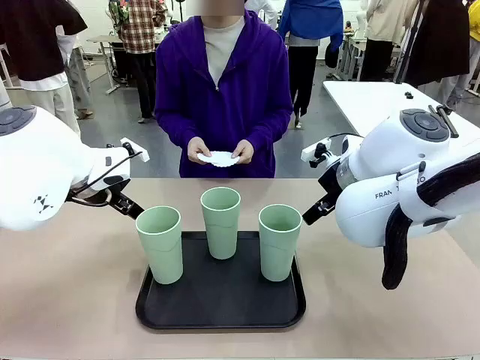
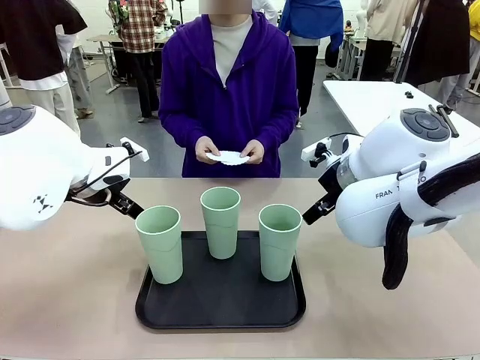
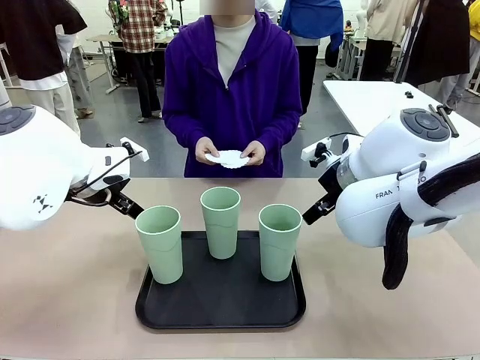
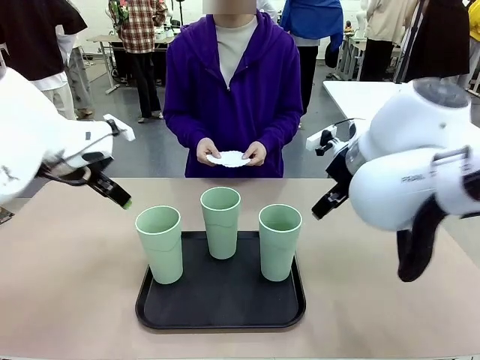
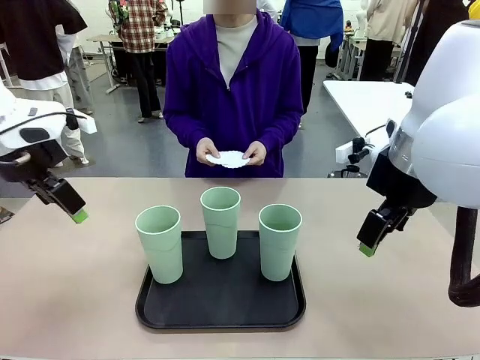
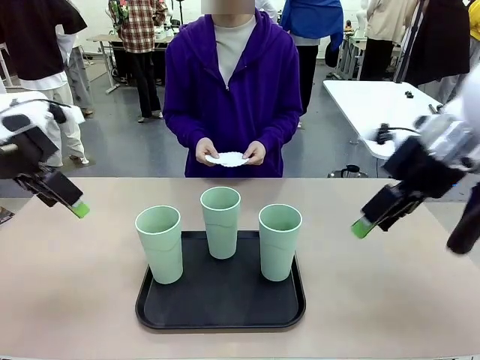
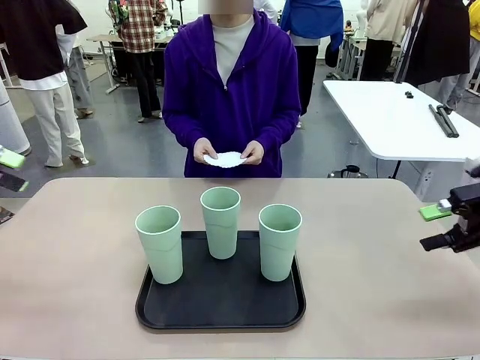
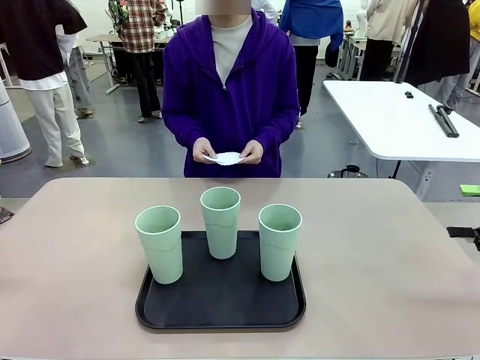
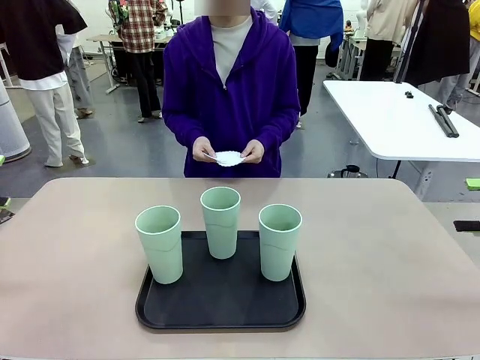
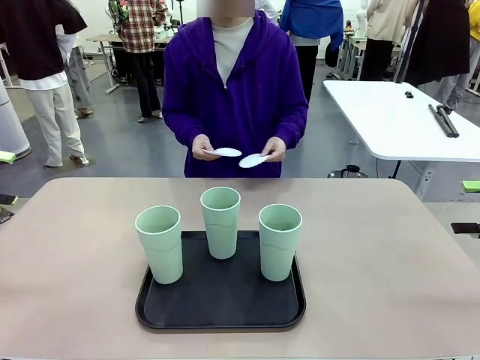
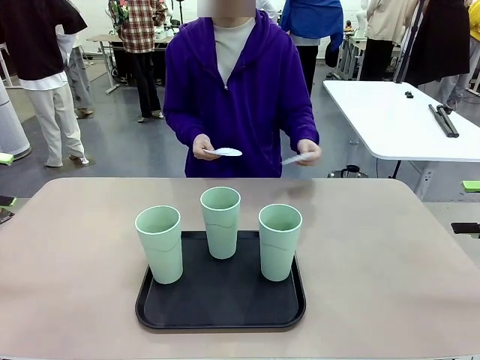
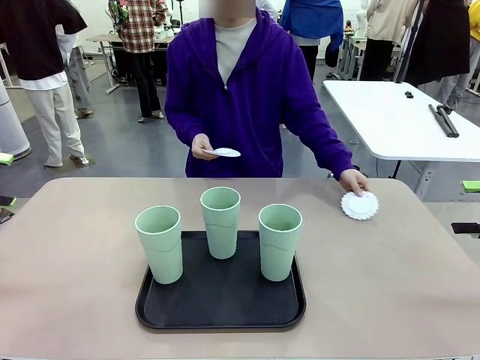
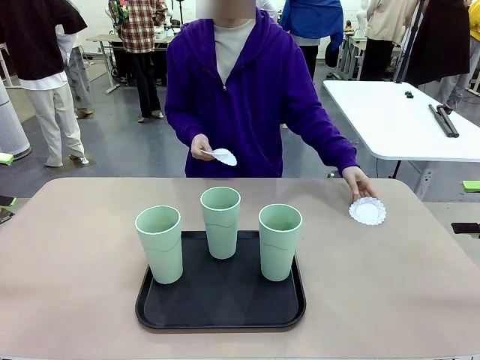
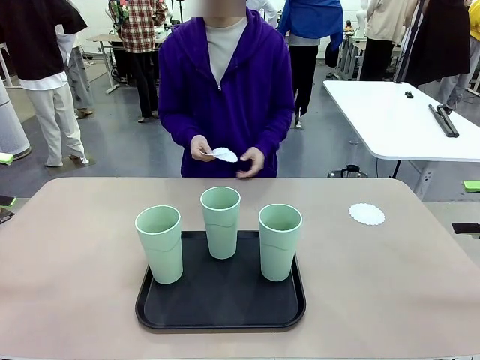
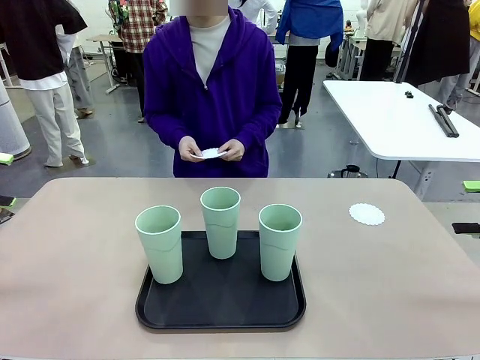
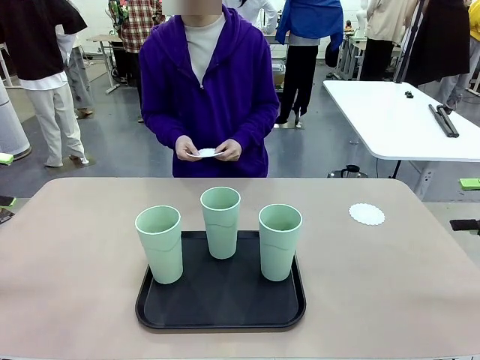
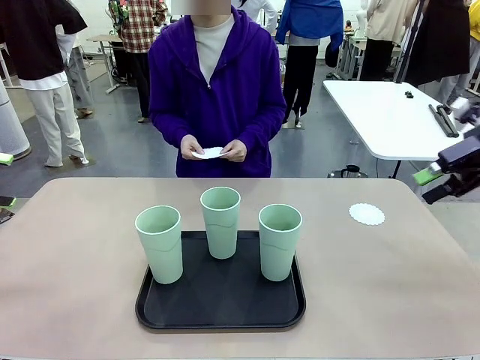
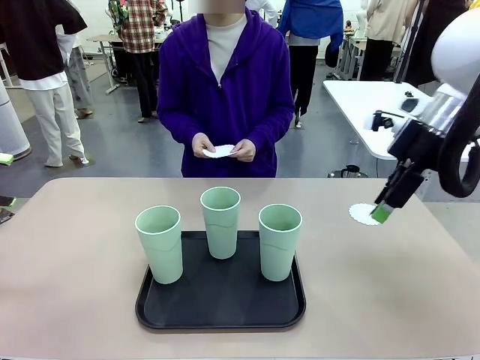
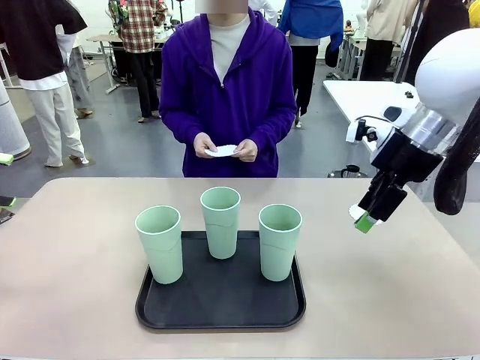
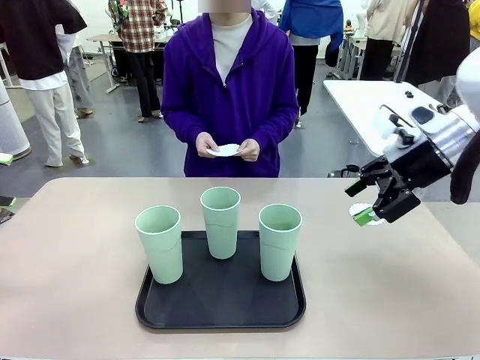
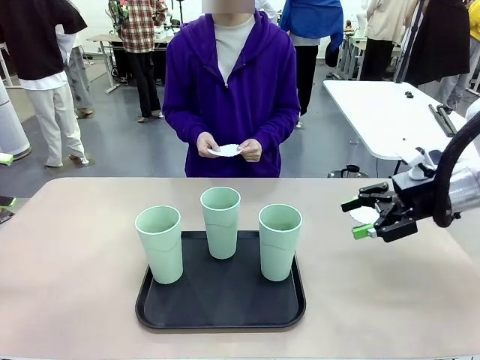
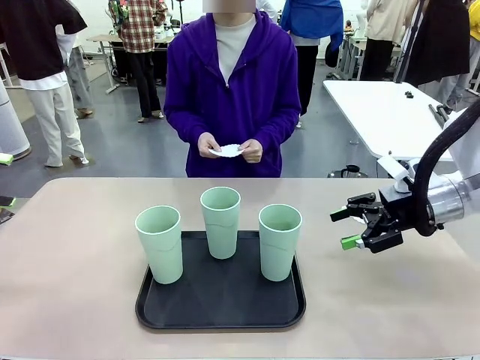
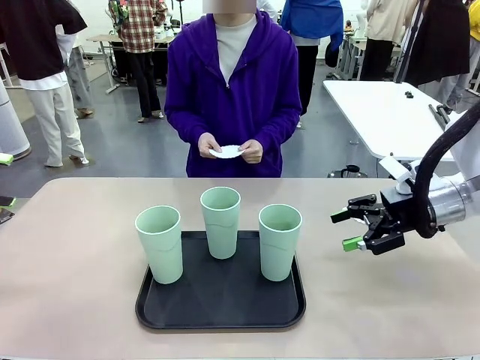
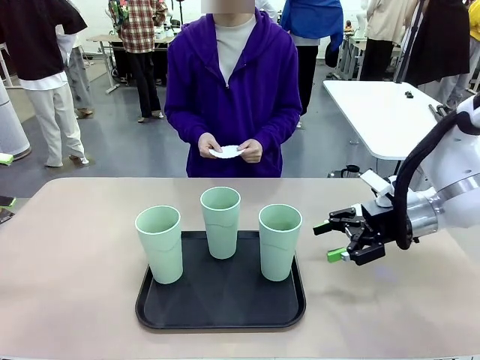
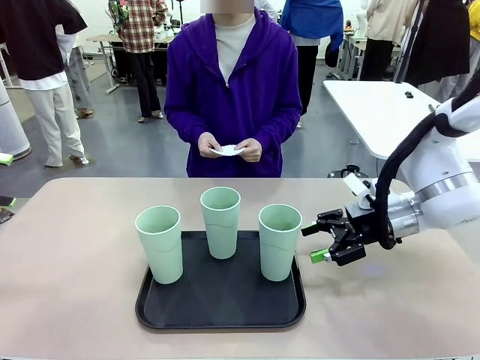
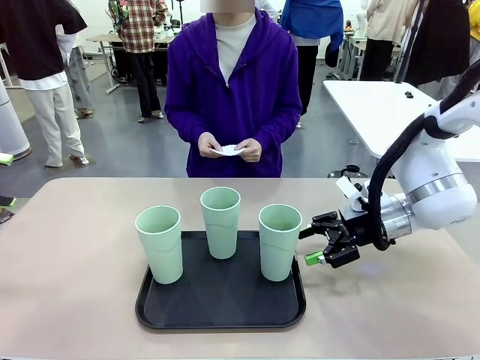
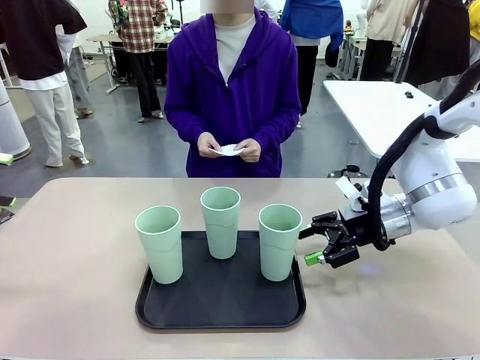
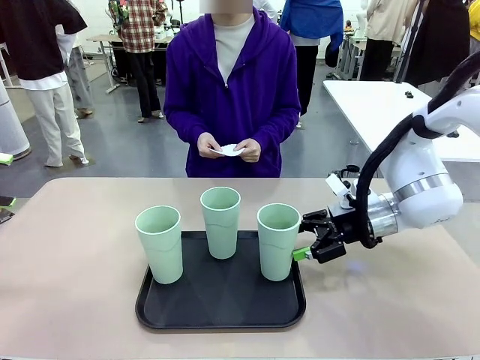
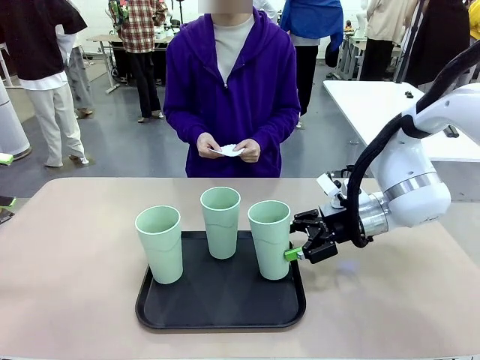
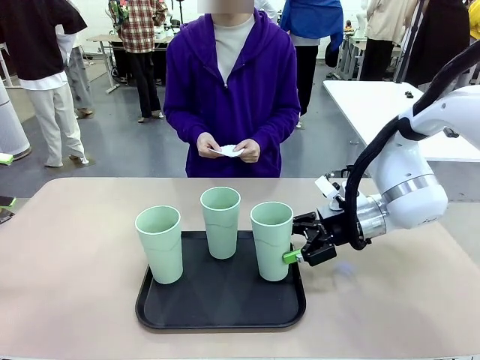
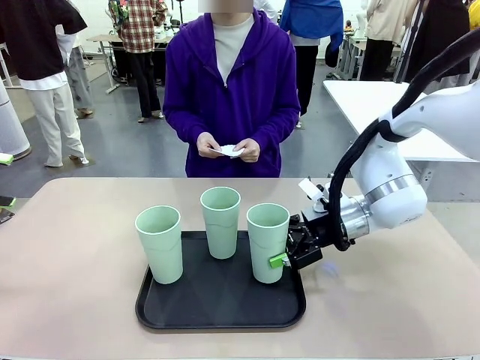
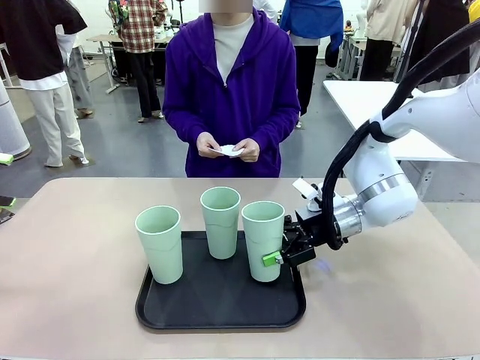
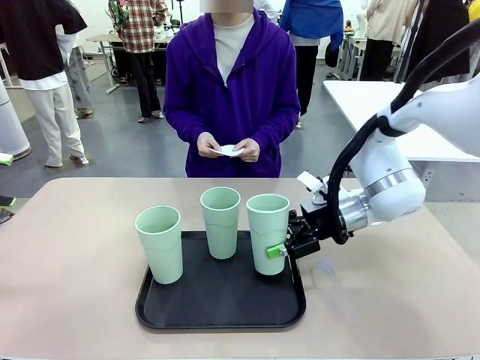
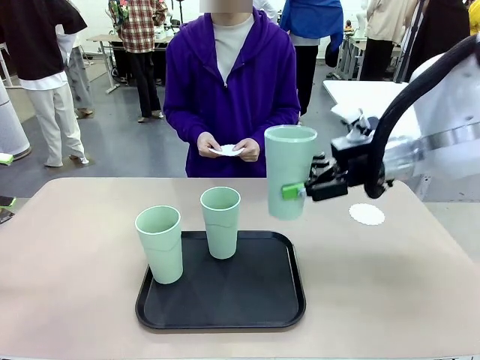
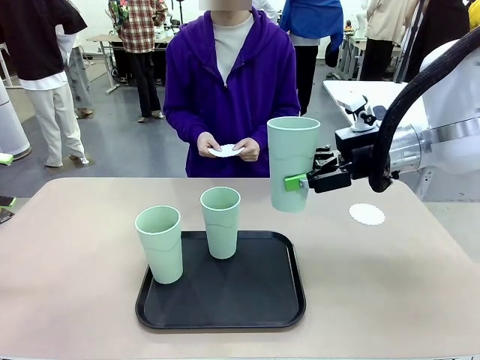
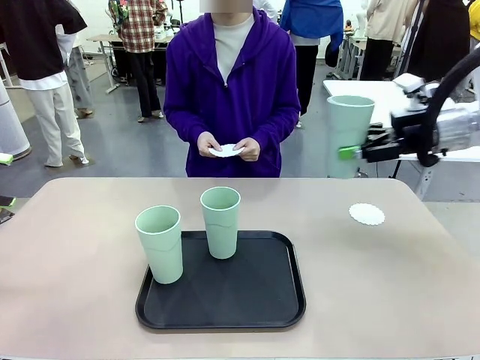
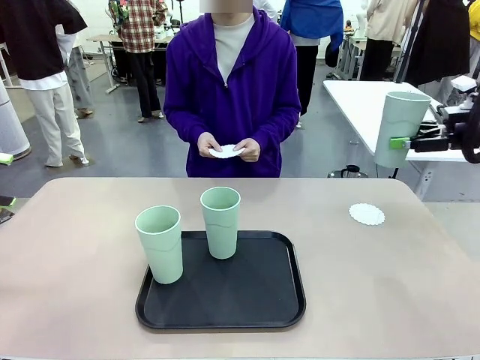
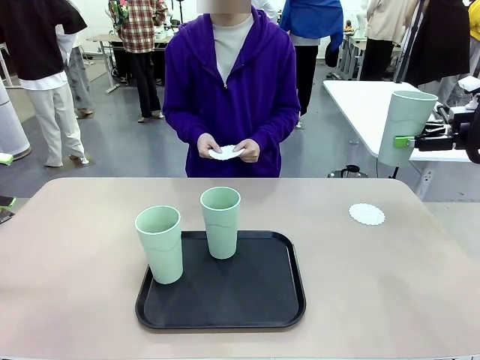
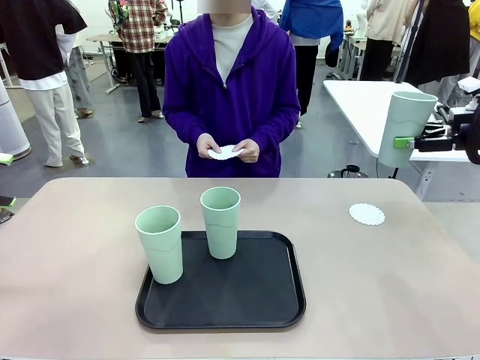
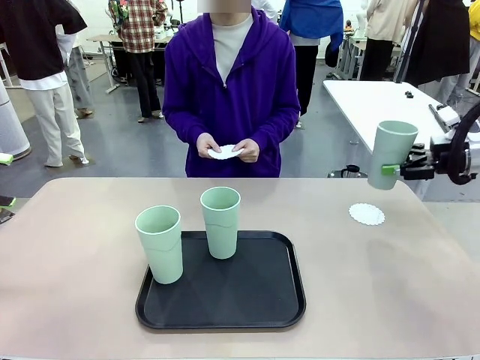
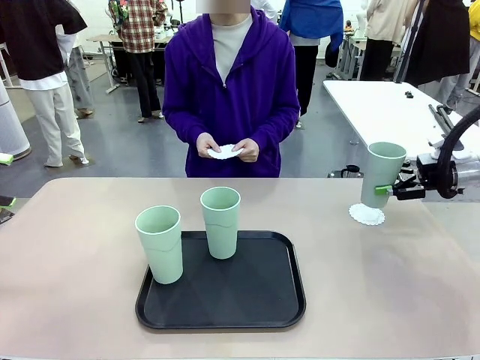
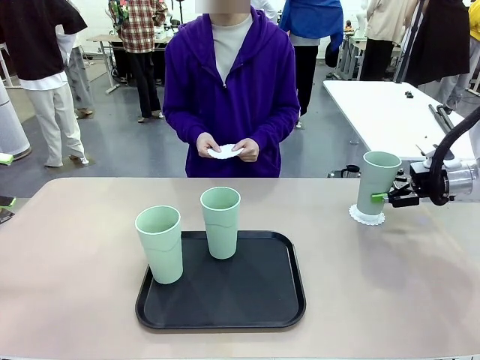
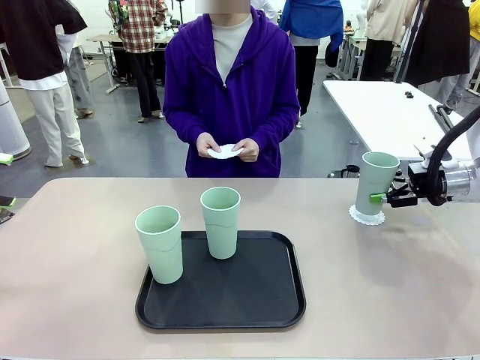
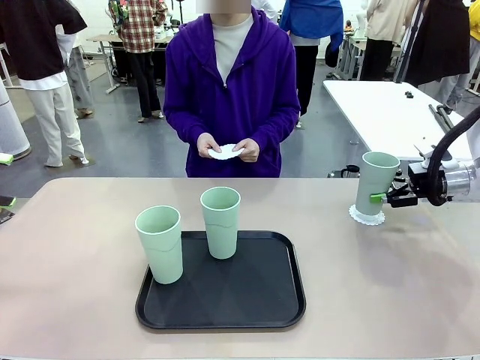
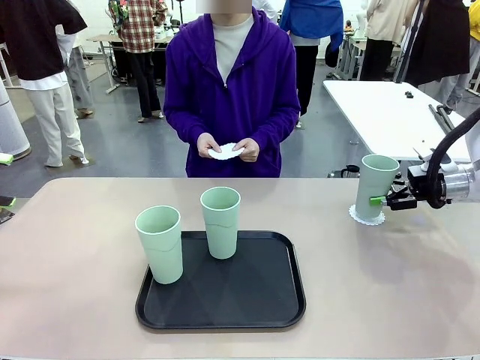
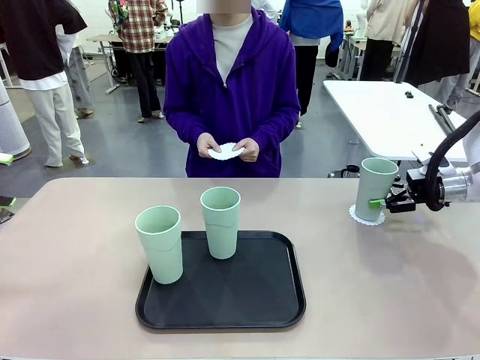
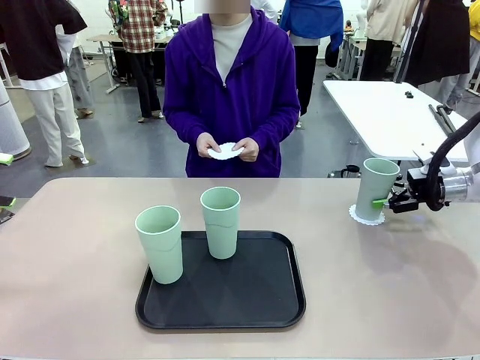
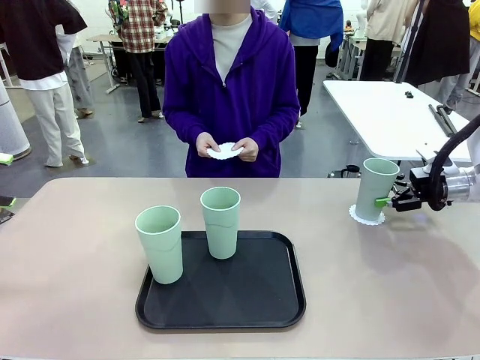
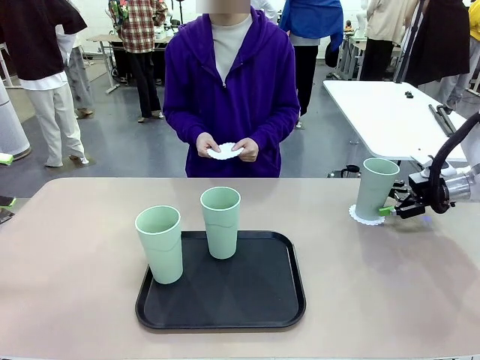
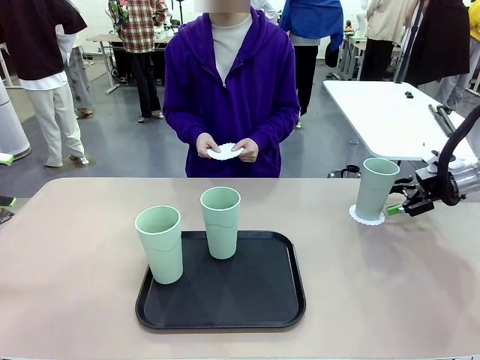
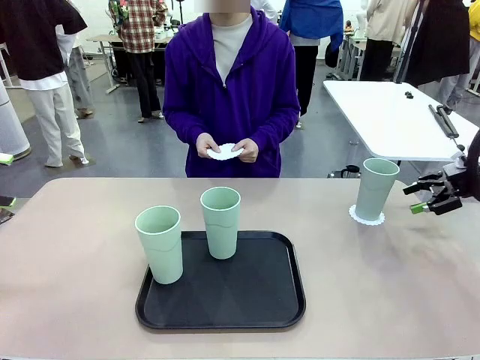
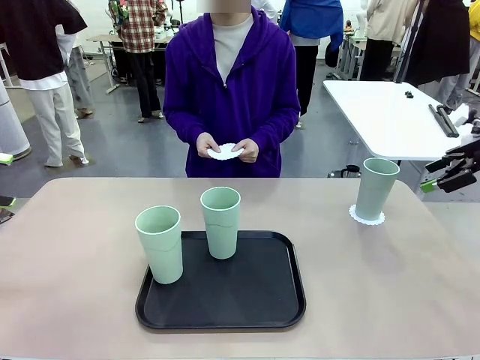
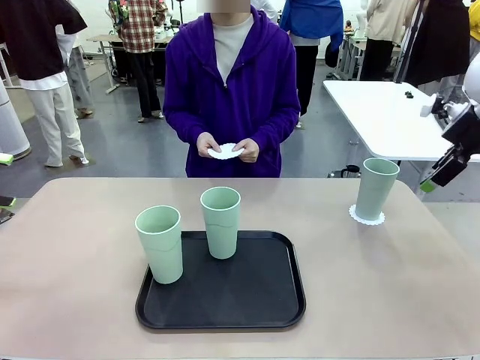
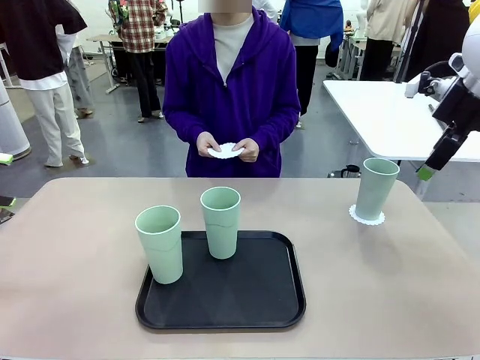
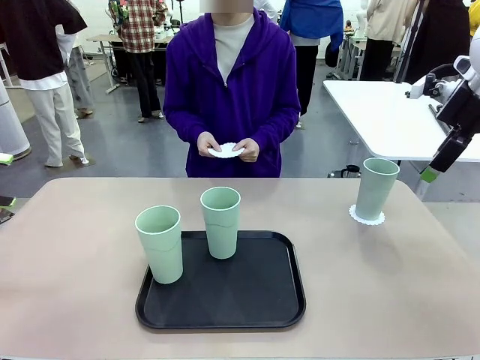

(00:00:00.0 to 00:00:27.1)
Task: Place coasters on the table and set cups on them.
Robot: Pick up one Reusable plastic cup and place it on a coaster set by the human.
Person: Place one coaster in any one of the three lower areas of the robot table (left, center, or right). Place one coaster in one of the two areas excluding the previously selected area.
